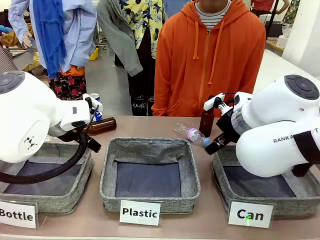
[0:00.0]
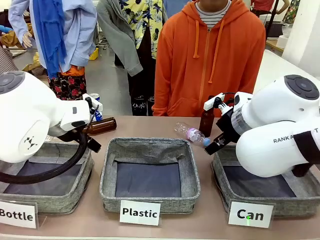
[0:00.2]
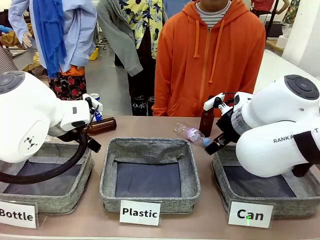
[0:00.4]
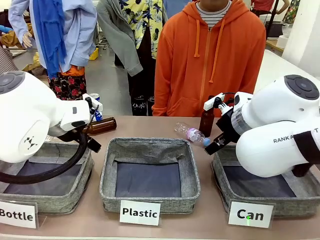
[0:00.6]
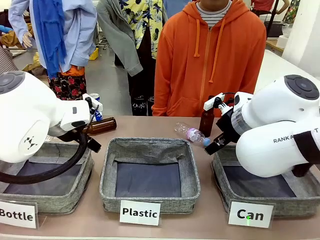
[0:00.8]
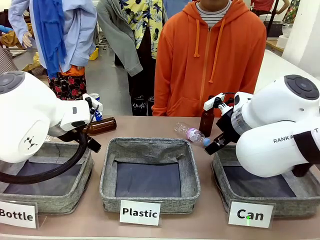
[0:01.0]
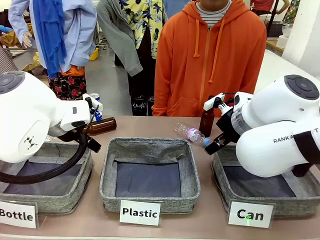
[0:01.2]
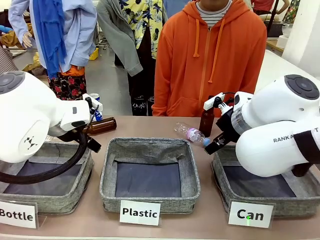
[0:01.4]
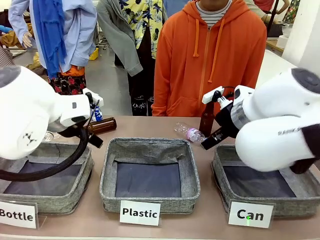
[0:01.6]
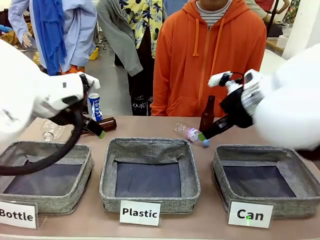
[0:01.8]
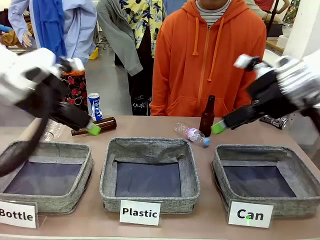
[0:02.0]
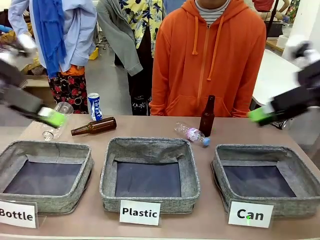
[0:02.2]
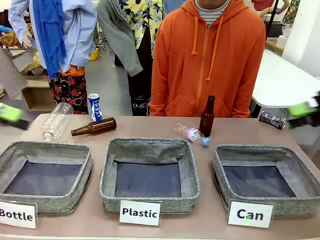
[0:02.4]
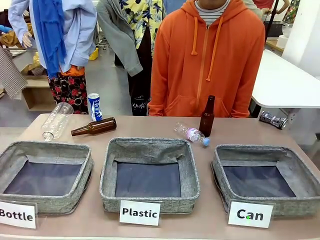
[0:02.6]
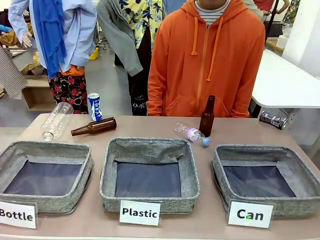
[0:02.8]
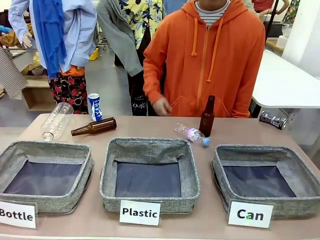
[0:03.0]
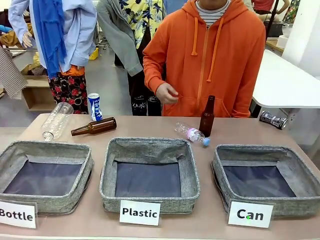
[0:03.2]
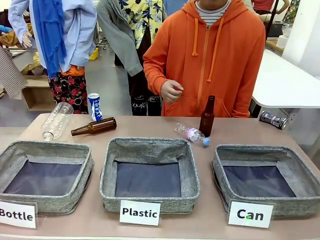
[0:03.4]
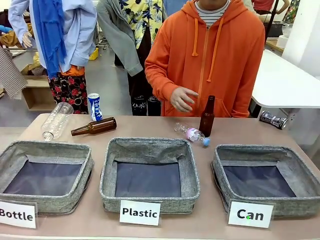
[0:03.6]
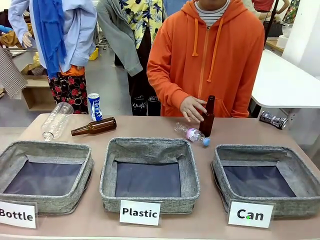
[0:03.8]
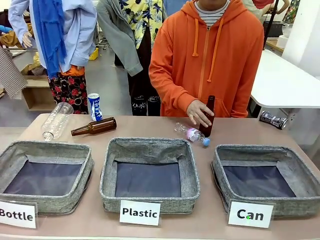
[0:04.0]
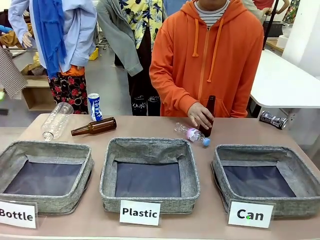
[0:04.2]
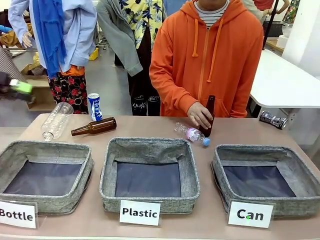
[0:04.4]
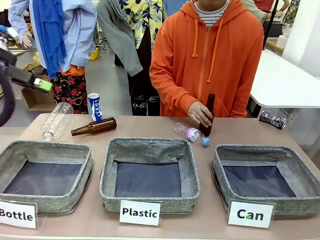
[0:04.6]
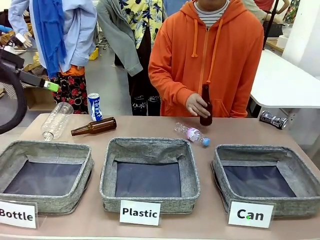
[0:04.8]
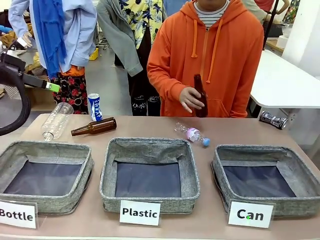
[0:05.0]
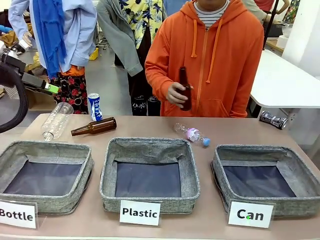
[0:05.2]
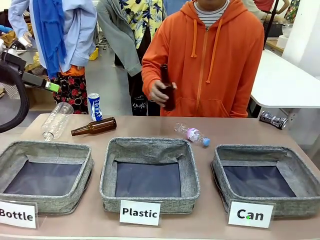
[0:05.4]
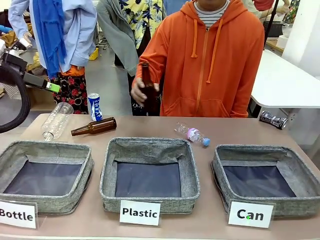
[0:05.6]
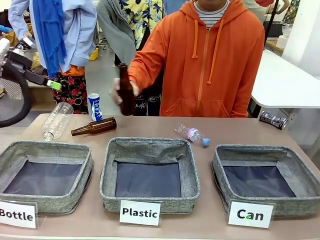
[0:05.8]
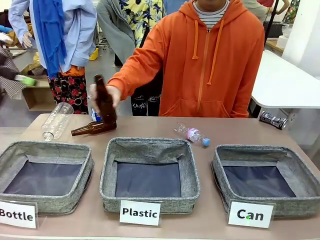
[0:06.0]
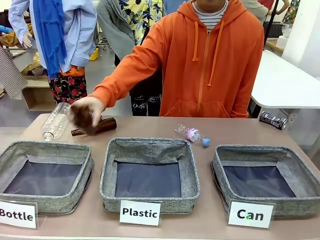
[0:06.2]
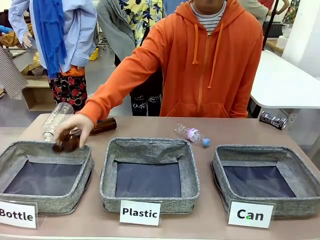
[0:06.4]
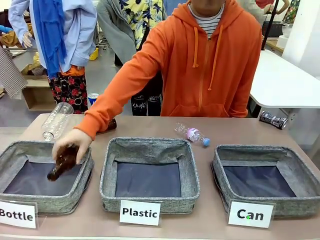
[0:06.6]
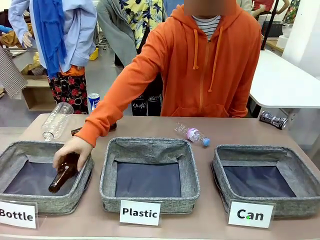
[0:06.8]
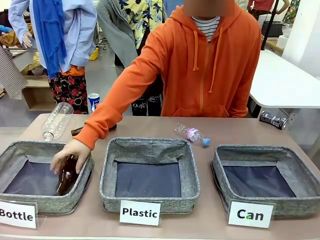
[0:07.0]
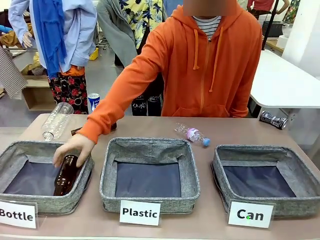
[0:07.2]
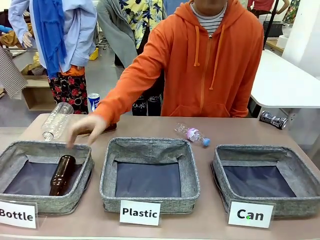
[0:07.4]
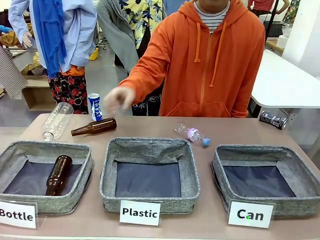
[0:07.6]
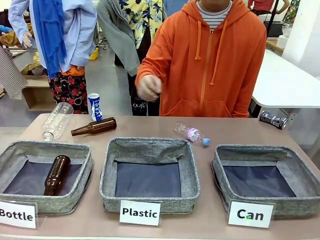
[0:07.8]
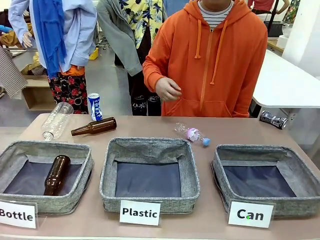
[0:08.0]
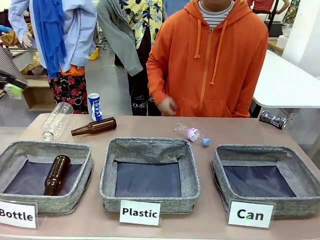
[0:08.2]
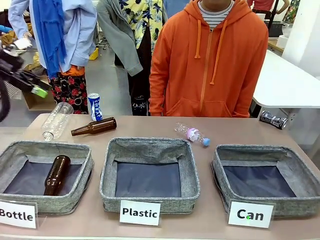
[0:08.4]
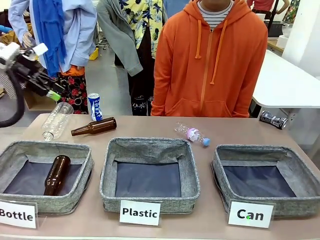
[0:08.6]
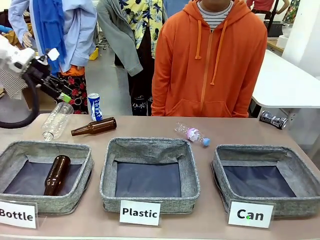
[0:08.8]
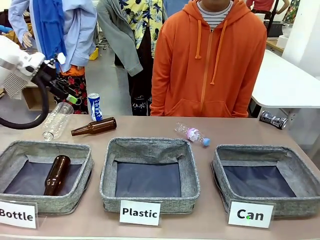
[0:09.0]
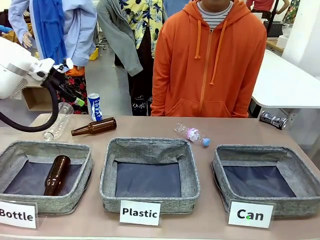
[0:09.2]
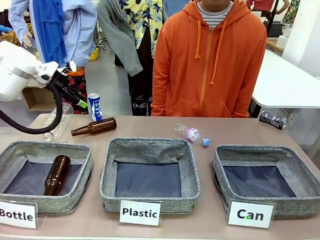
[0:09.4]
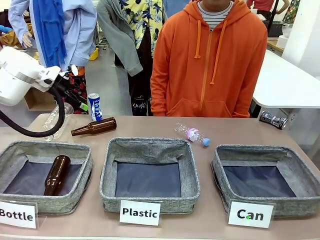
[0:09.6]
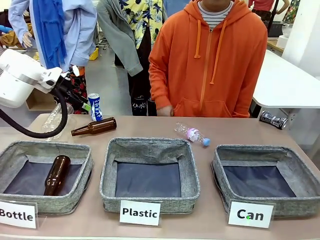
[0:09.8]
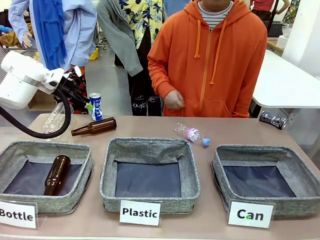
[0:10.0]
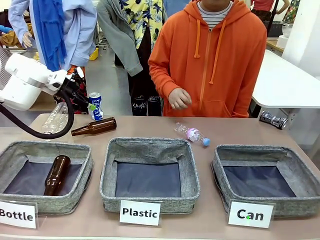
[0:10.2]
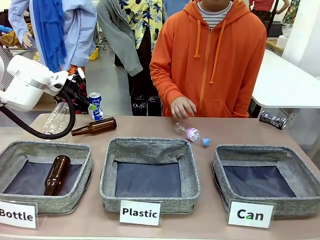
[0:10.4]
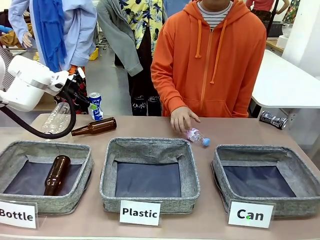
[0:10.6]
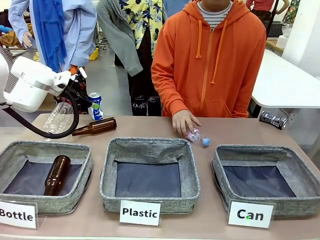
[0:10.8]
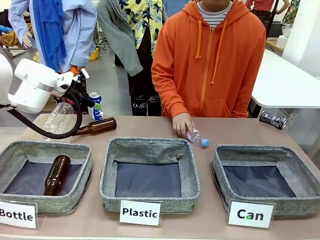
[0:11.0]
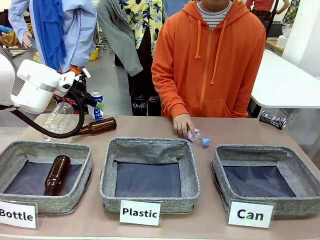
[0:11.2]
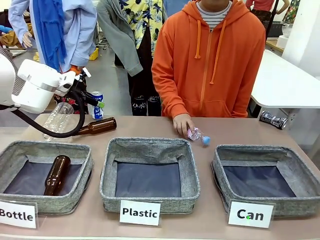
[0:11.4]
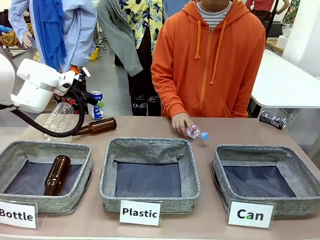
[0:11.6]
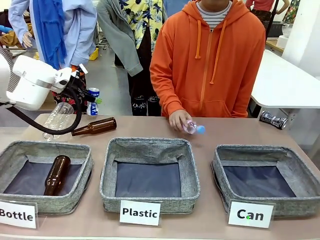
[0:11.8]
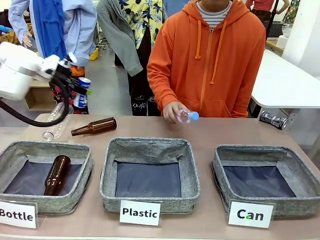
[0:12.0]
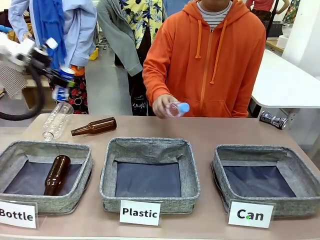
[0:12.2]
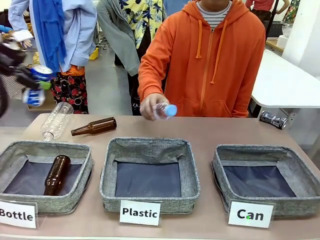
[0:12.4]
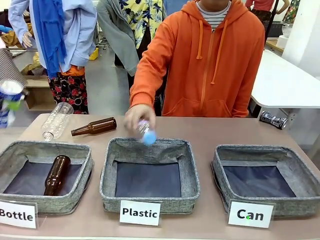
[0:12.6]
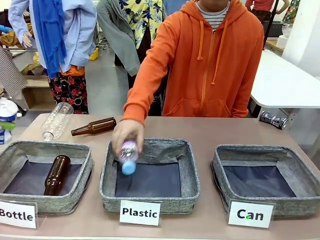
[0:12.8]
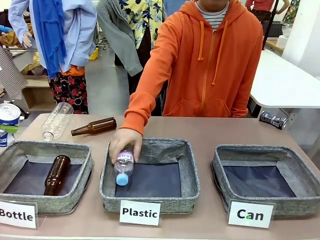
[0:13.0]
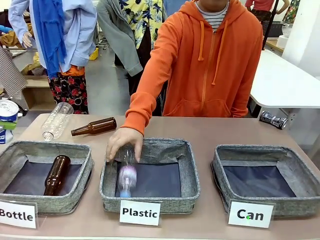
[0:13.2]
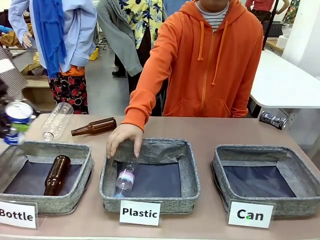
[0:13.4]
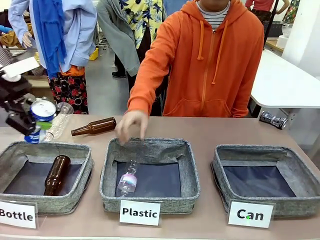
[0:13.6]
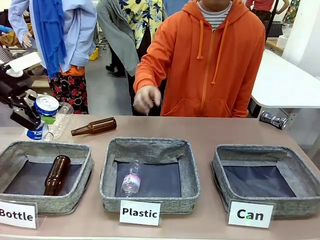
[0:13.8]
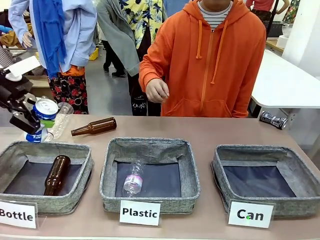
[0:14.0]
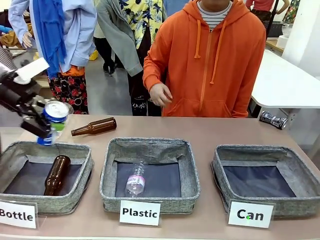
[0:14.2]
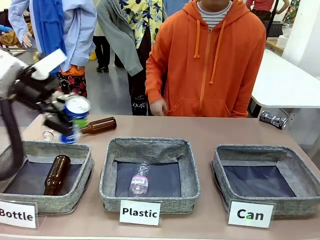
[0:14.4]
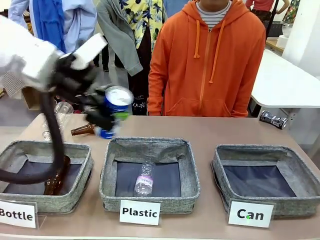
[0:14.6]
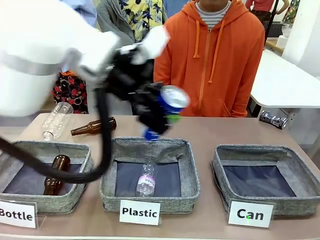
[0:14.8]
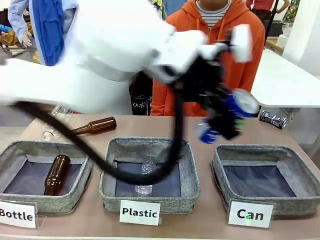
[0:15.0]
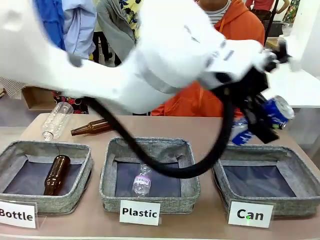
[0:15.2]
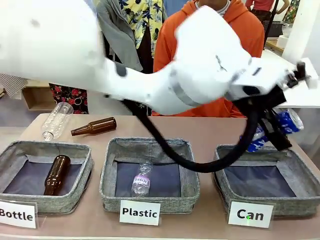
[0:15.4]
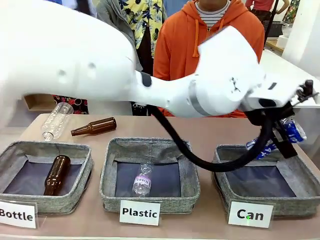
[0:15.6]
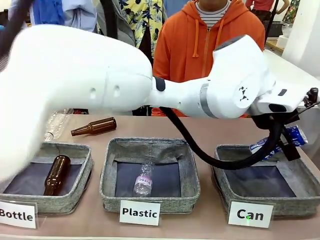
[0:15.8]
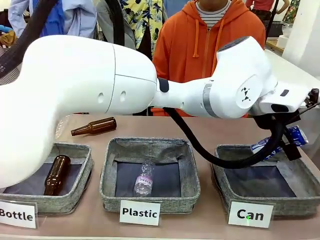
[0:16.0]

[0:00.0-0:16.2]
Task: Sort the can waste into the basket.
Robot: Pick up the can waste from the table and place it in the right Fabric basket.
